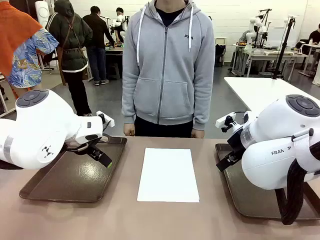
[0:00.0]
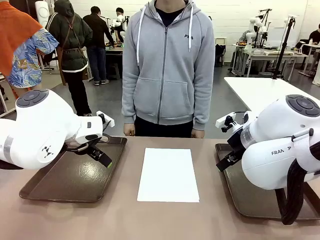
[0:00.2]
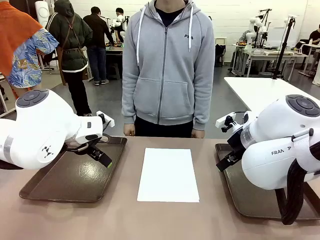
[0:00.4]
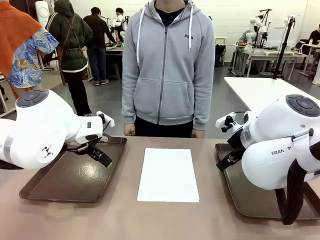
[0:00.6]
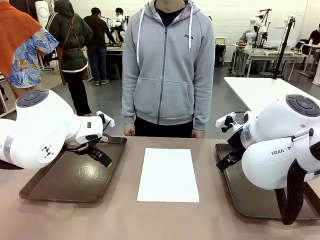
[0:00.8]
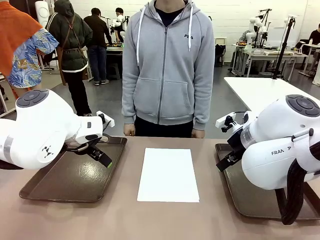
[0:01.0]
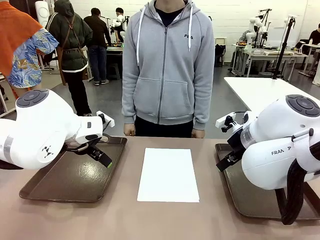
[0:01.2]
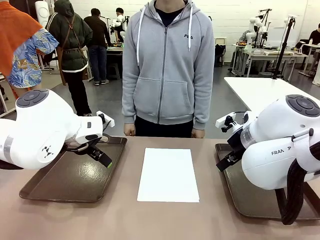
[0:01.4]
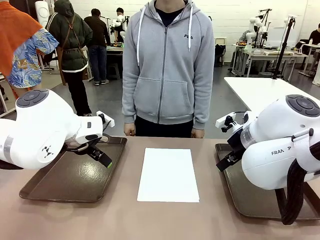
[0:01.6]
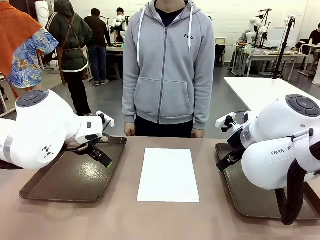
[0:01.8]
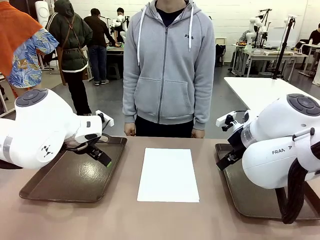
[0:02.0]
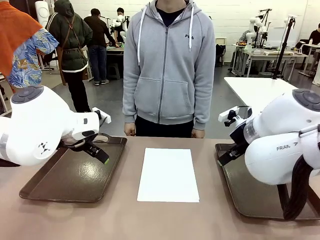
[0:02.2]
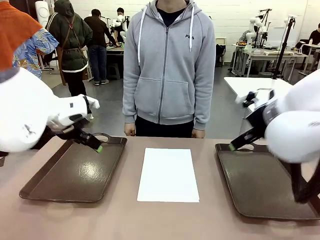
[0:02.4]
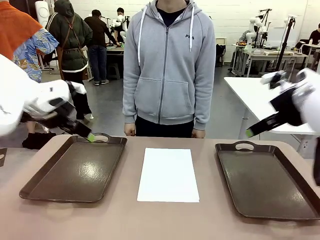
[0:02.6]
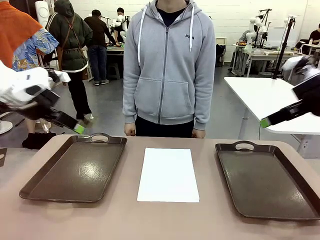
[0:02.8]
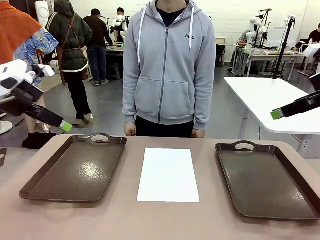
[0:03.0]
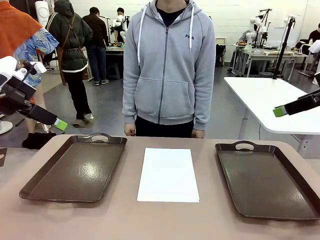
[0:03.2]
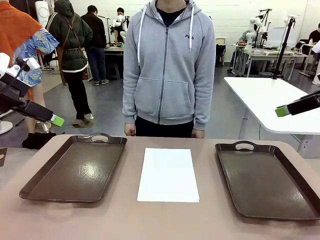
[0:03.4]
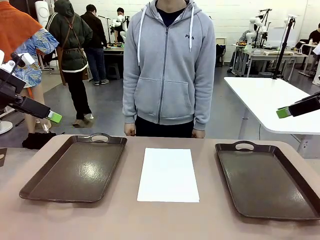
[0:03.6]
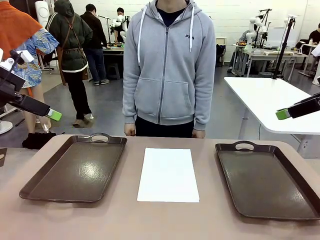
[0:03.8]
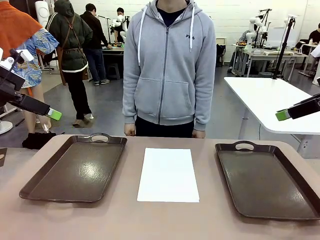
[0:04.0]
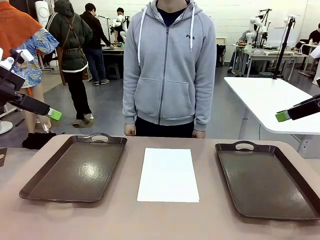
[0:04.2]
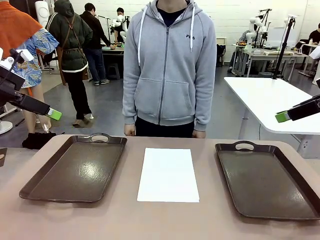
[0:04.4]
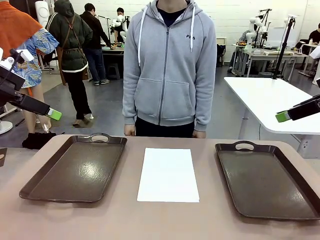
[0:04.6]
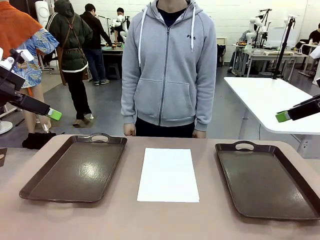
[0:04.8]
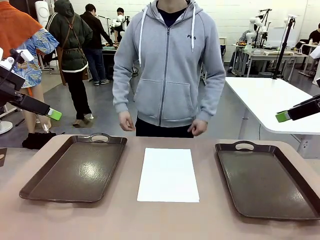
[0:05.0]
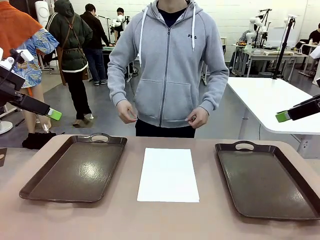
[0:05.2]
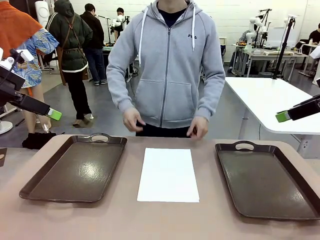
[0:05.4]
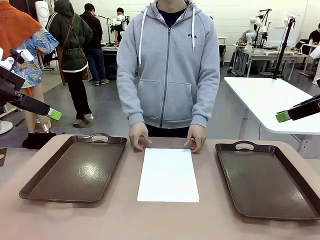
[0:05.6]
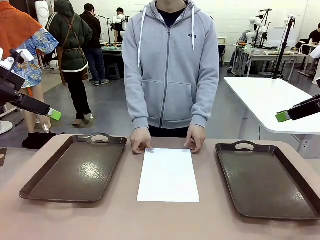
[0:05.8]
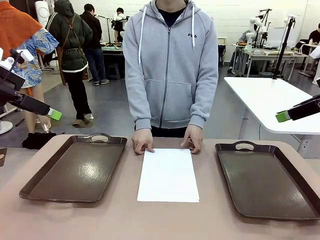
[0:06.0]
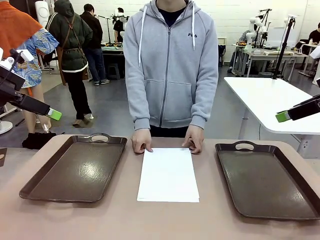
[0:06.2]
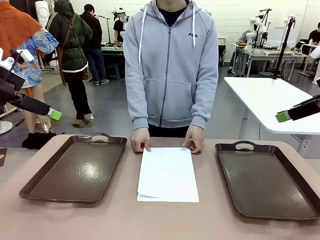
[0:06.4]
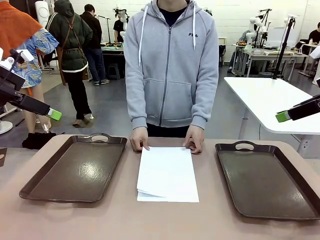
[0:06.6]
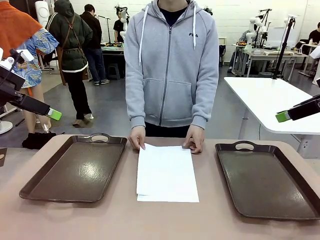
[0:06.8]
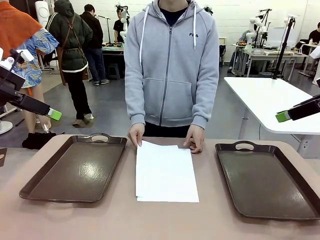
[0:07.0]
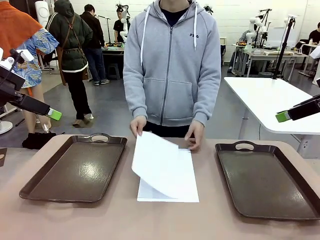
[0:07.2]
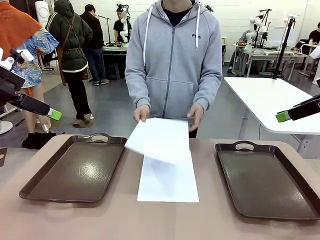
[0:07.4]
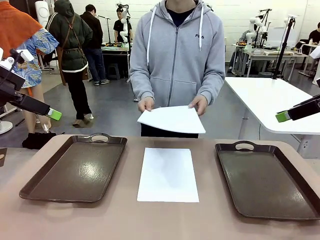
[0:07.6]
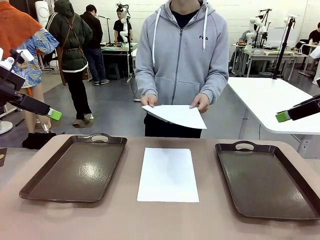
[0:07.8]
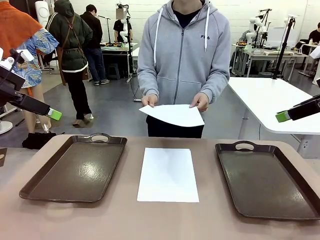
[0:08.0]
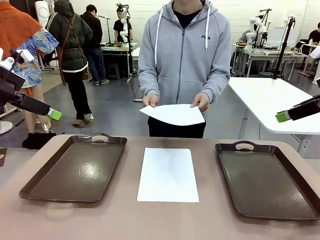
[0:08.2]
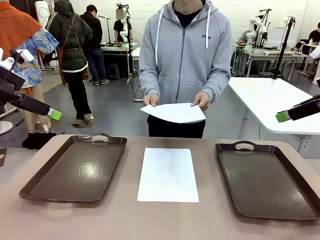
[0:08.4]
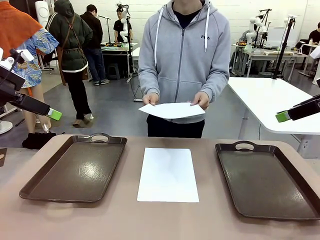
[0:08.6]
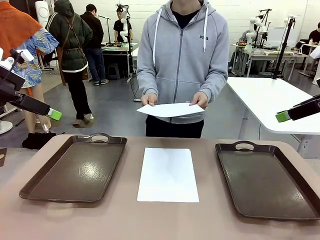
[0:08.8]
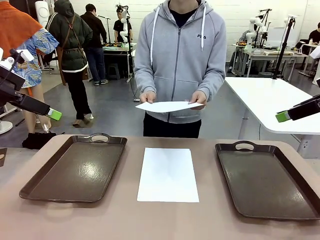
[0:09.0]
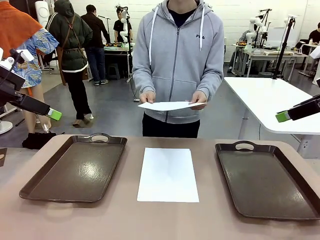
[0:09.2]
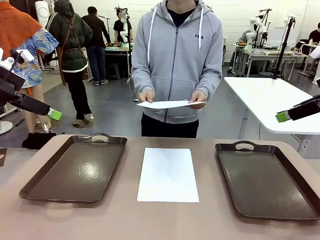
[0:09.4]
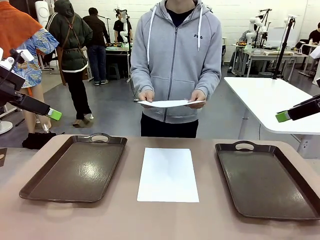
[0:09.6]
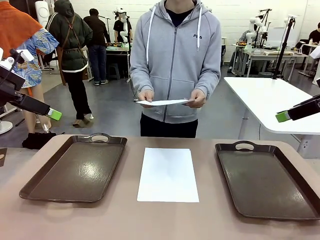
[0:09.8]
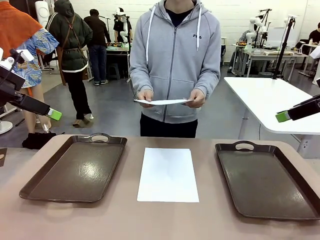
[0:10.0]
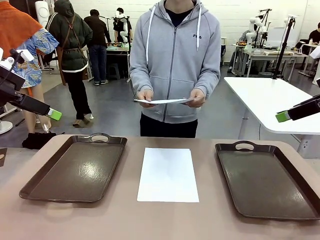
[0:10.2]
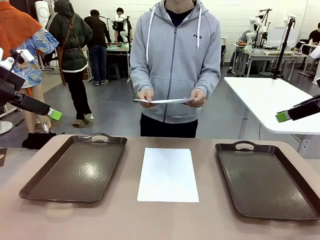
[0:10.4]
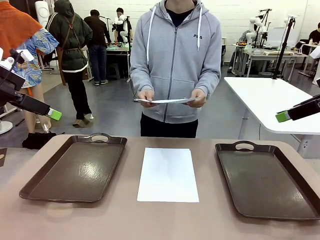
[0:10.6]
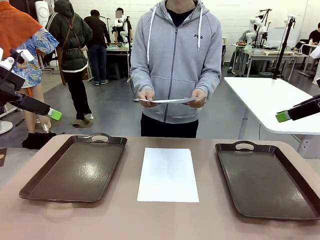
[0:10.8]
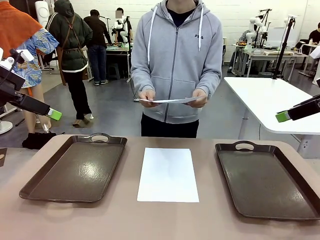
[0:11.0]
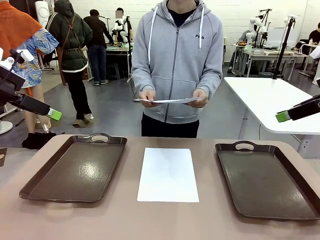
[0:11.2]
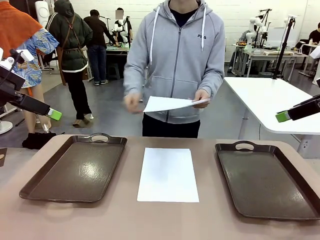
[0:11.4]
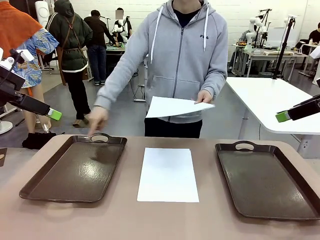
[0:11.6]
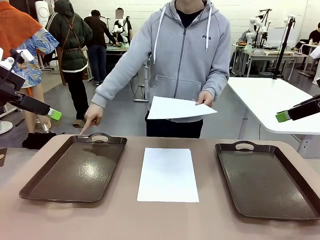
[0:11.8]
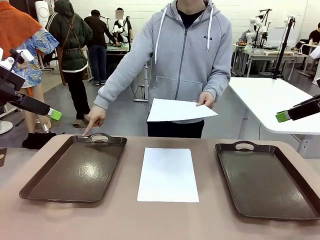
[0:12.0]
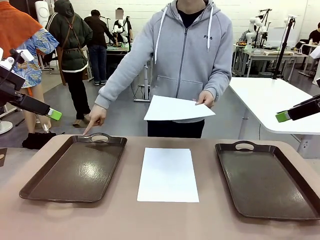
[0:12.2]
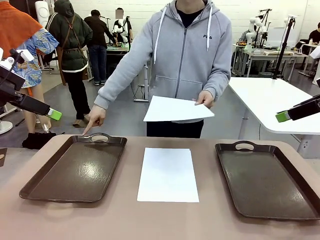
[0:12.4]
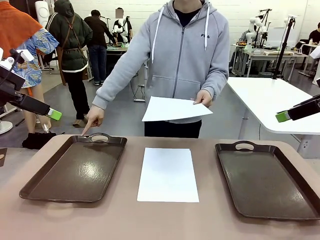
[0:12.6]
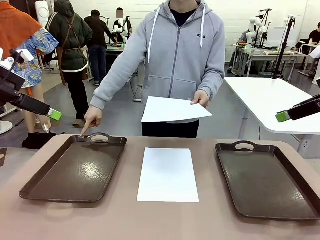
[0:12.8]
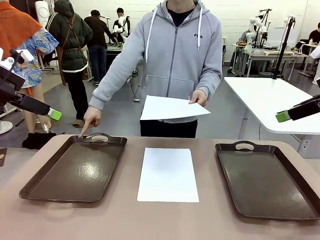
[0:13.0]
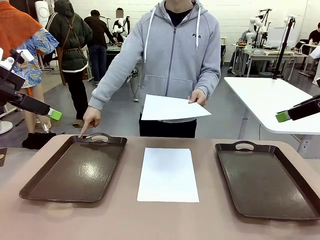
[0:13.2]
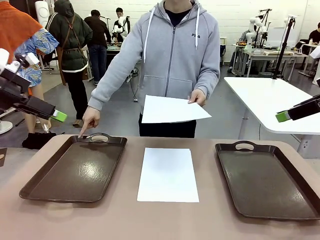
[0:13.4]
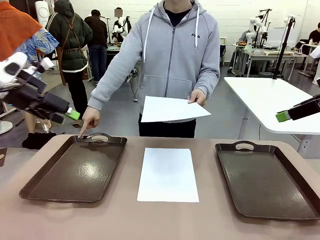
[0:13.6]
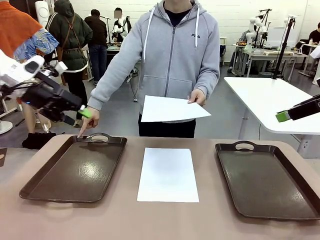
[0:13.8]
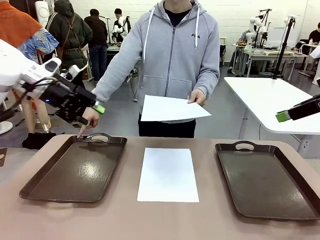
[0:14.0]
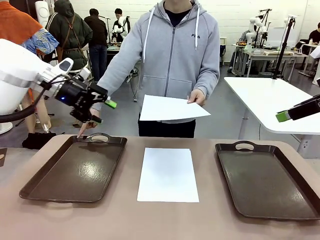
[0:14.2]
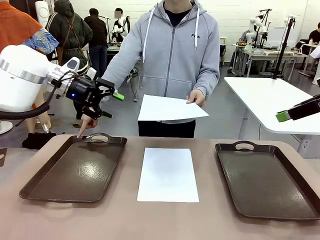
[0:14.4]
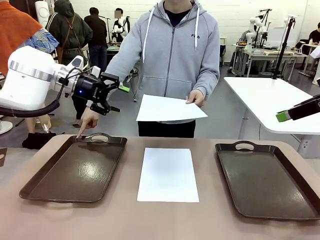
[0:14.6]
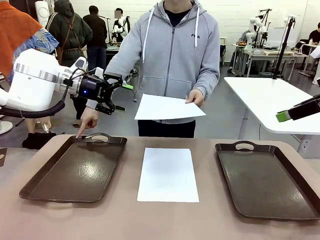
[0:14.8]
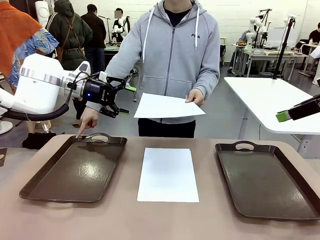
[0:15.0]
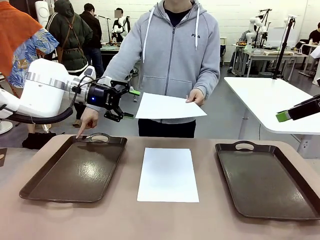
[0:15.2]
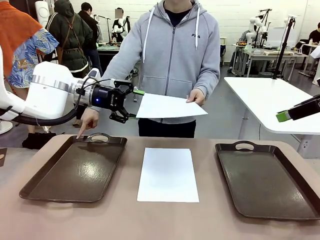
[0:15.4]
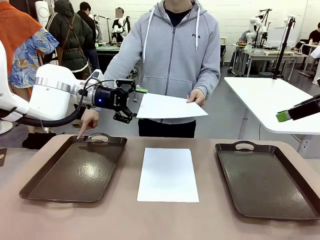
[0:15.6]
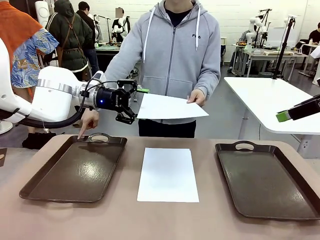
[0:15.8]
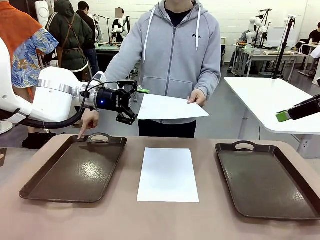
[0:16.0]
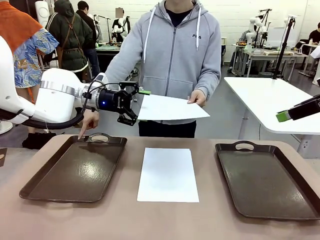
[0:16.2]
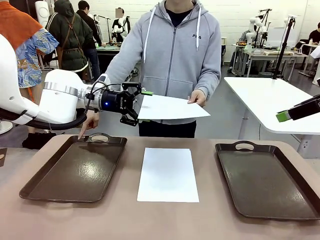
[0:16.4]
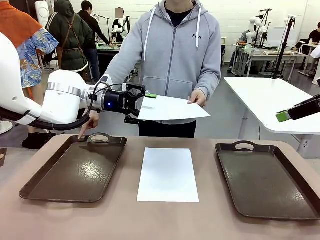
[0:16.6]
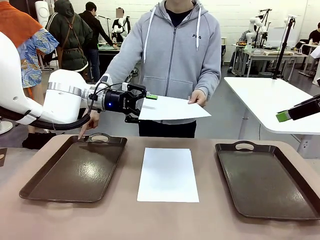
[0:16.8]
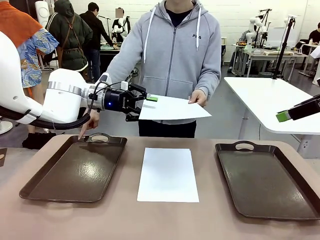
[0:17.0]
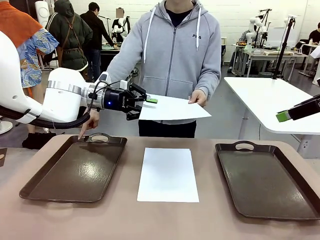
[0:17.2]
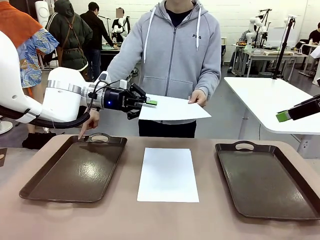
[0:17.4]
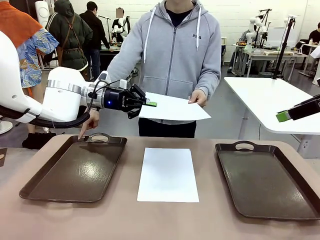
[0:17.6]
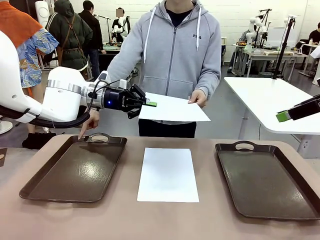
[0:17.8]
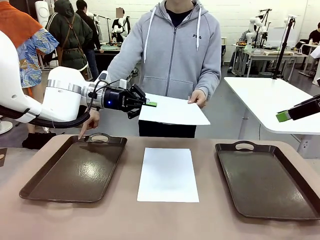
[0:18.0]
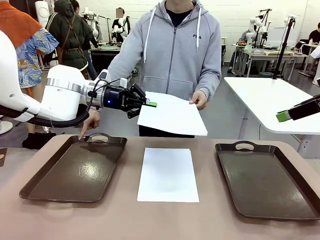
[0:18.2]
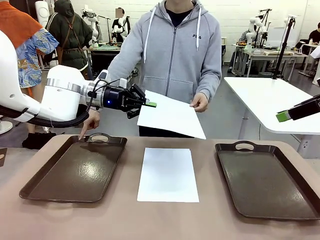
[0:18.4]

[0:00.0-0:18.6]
Task: Sort the A4 documents.
Robot: Receive the A4 Paper.
Person: Pick up a sheet of paper from the center of the table and hand it to the robot. Point the randomly selected tray with the other hand.
